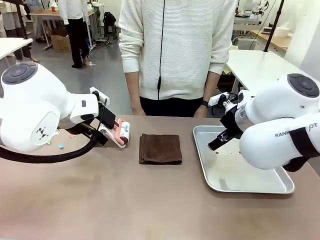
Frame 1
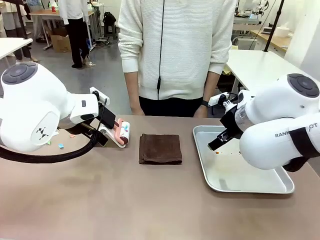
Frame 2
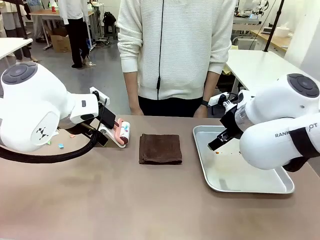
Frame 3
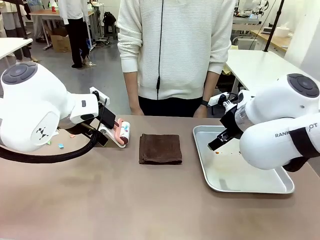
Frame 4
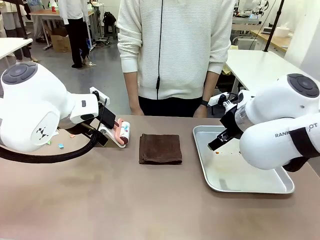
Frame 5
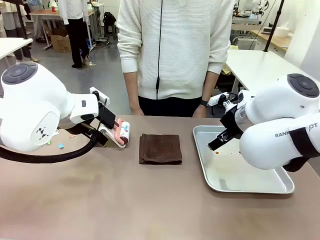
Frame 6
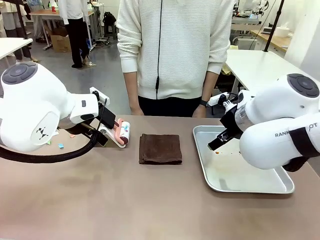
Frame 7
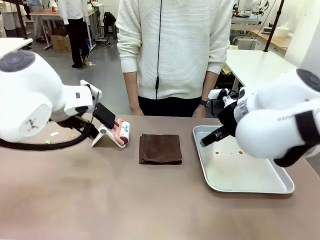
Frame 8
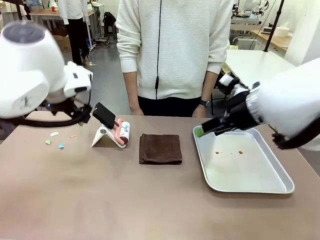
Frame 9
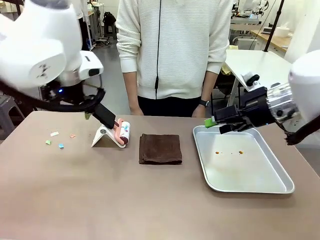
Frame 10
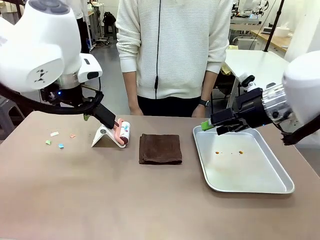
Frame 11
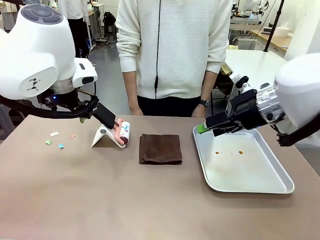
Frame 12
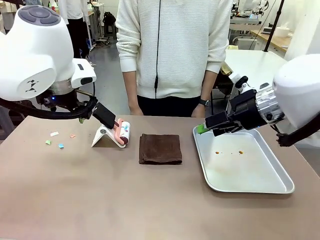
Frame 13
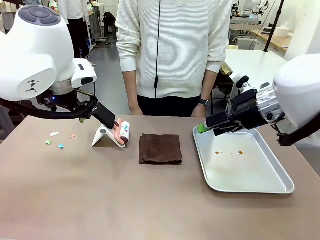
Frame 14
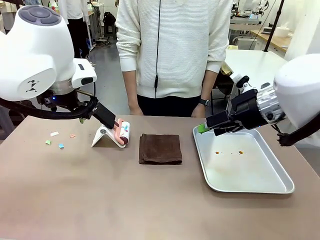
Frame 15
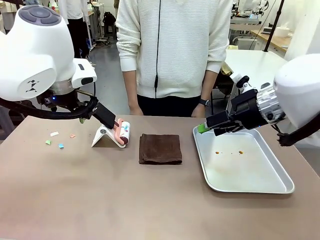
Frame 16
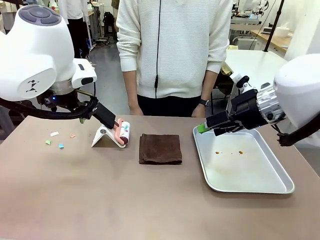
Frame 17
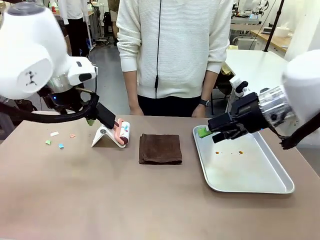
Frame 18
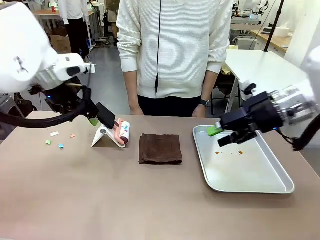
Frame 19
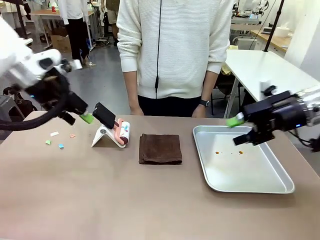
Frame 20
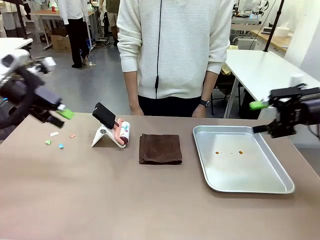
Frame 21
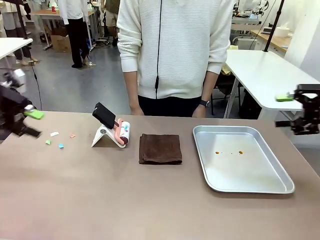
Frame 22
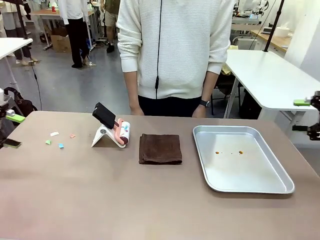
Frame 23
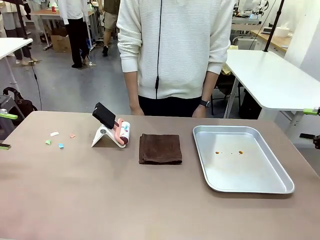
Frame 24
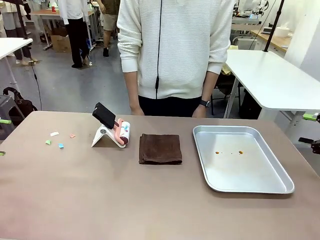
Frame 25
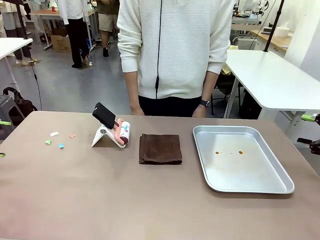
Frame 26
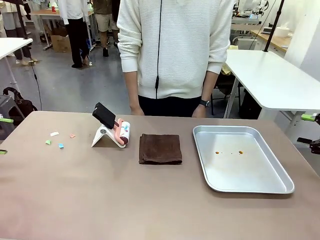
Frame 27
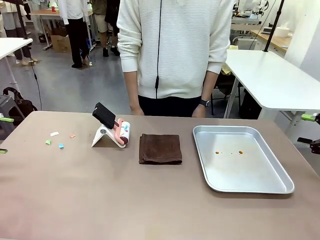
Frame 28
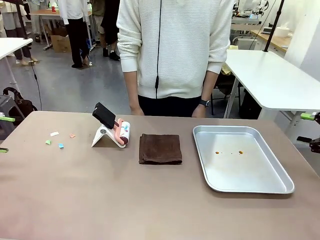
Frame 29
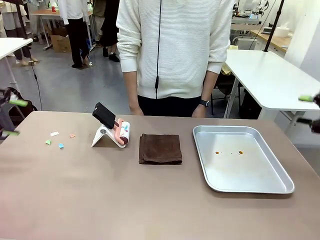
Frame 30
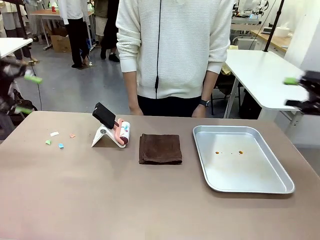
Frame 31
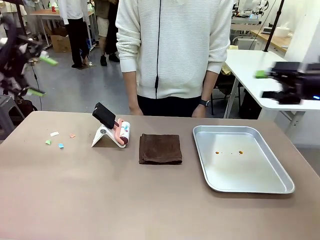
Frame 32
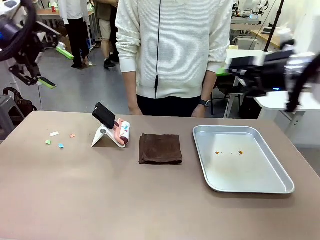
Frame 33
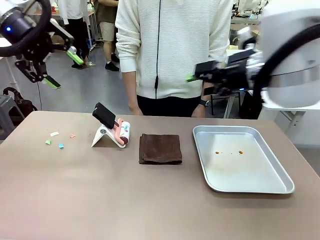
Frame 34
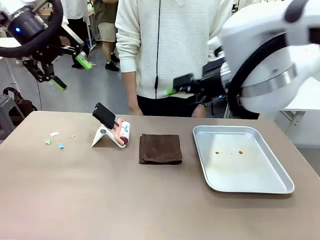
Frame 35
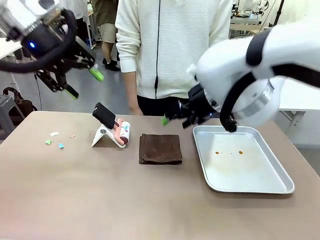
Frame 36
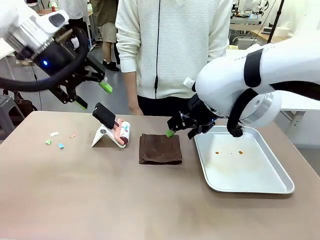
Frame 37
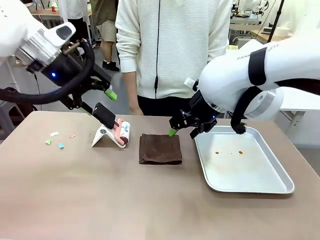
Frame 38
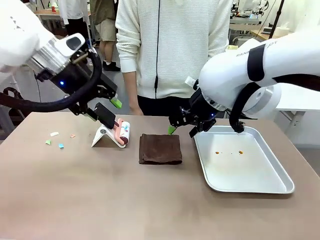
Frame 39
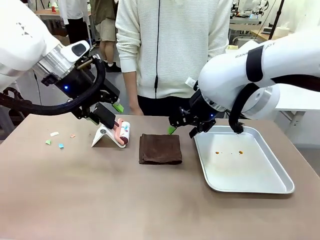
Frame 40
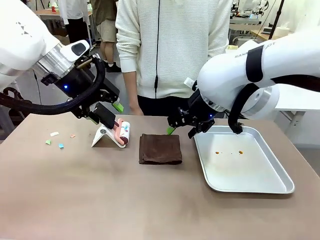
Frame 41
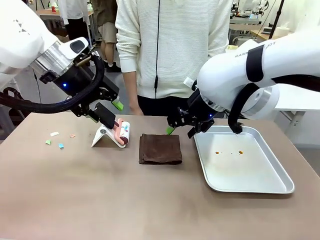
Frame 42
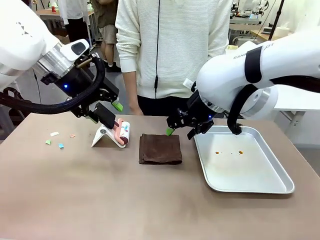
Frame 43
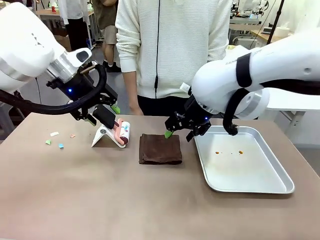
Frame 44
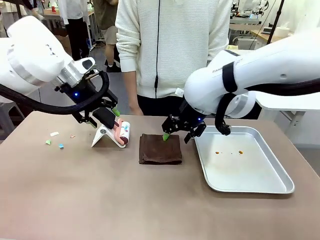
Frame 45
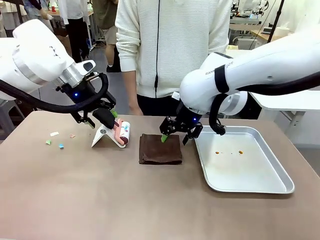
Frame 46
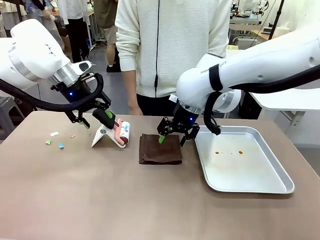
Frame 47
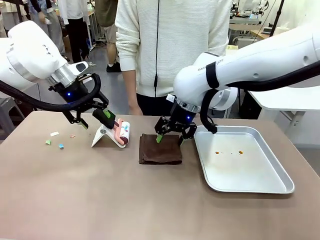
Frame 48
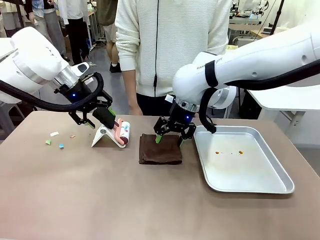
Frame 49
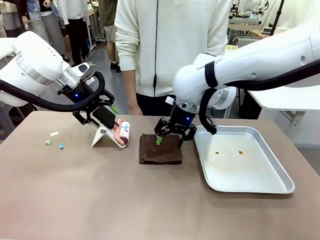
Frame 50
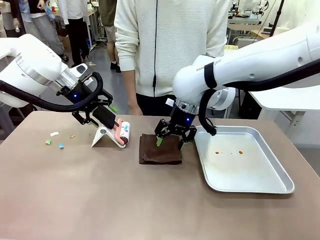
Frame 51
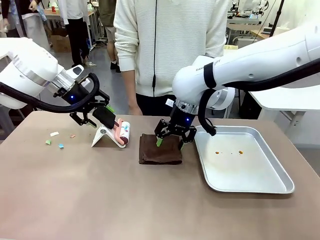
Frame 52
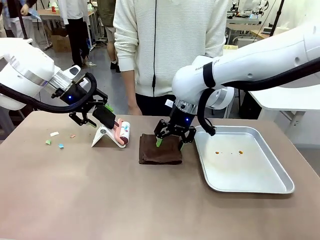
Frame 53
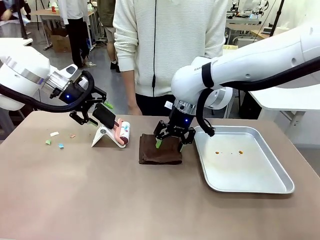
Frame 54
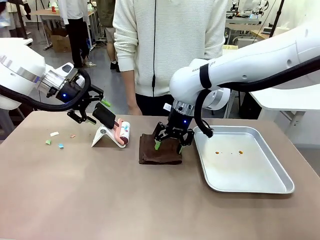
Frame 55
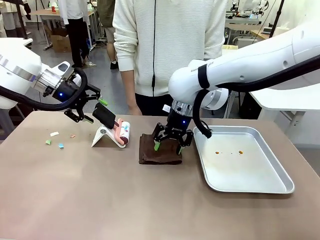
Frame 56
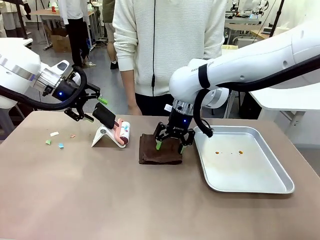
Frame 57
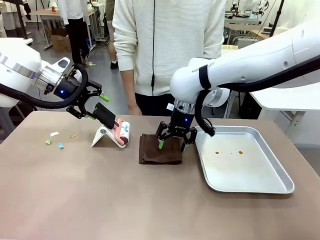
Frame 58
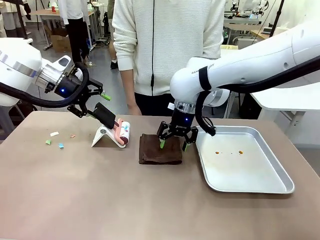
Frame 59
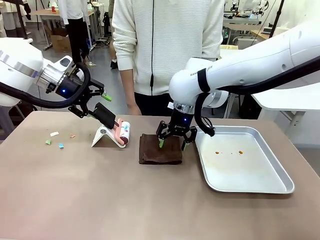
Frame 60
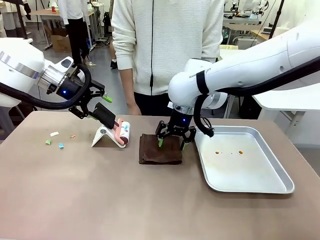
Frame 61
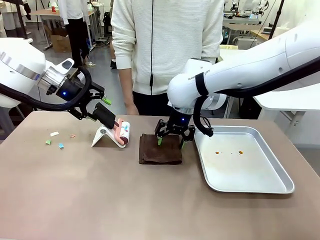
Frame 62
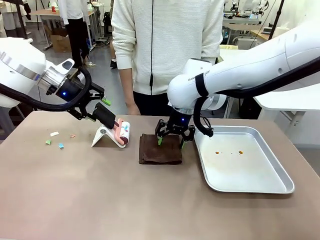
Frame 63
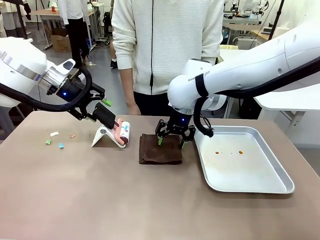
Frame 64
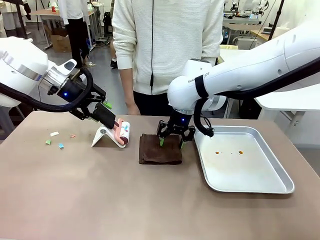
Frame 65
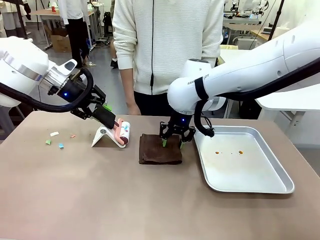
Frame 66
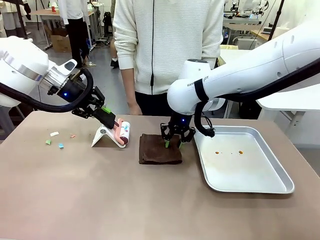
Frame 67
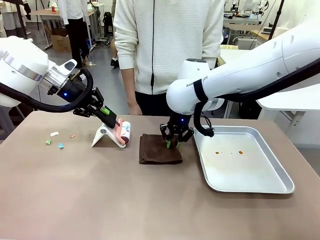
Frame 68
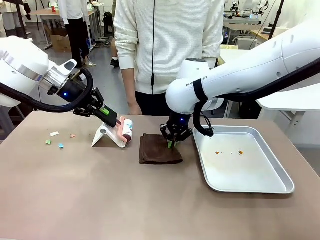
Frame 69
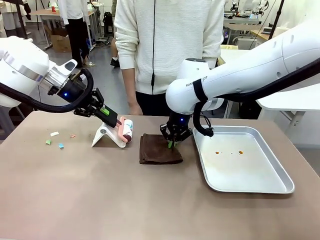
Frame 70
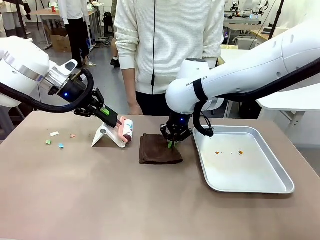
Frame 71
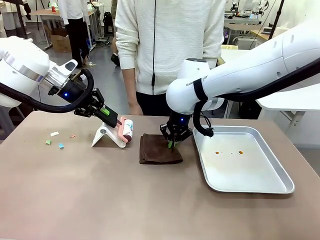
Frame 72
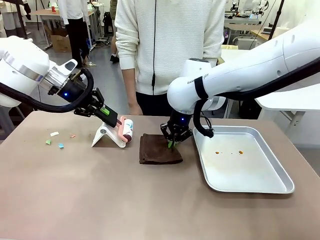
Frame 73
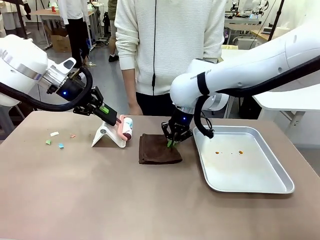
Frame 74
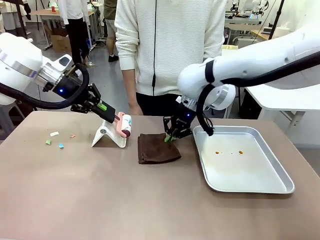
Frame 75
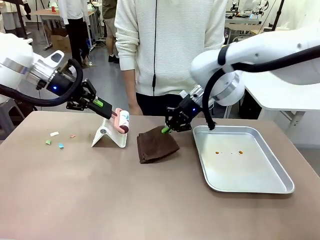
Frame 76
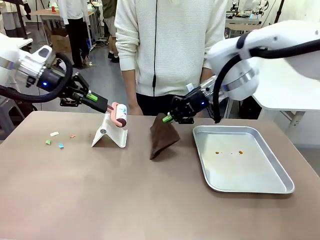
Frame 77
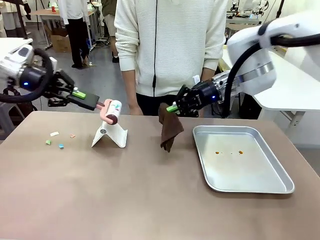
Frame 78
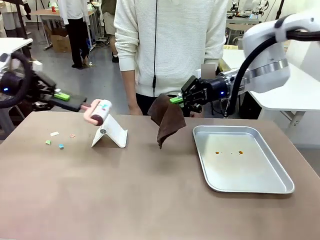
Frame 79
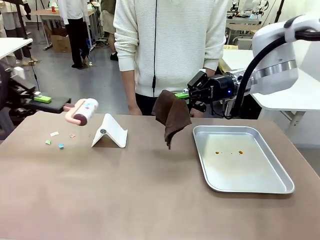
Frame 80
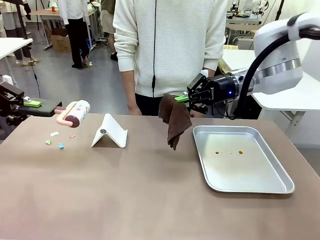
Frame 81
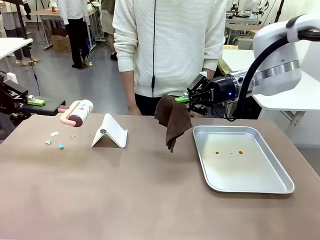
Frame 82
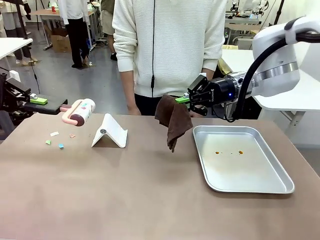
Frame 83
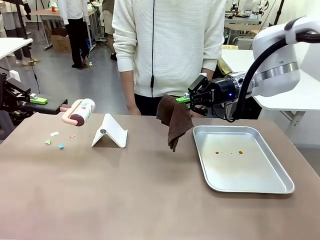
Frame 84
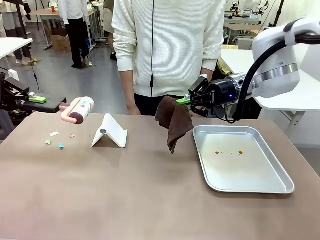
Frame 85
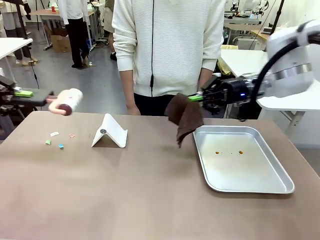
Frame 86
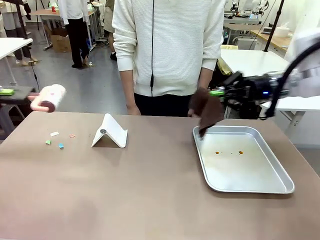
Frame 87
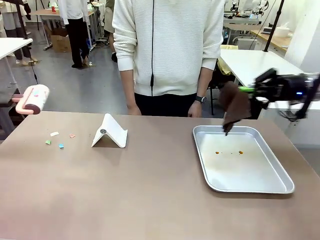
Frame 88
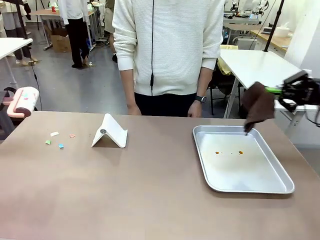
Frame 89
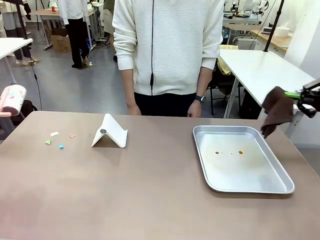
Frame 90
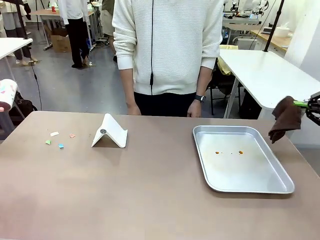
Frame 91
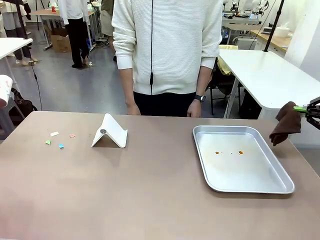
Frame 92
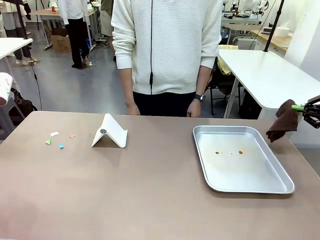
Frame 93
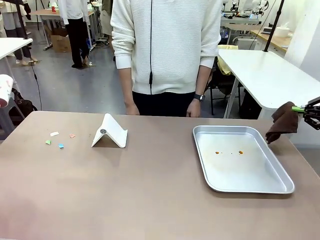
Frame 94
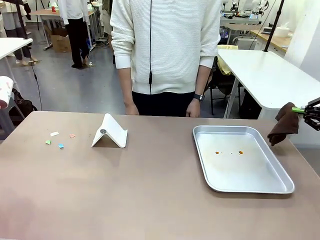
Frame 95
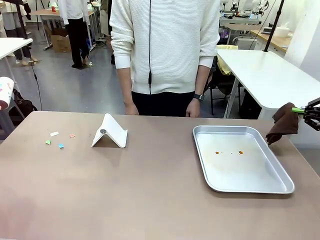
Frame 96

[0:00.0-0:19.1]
Task: Clean the surface of the table.
Robot: Hold the Lint Roller with your left hand and the towel with your right hand.
